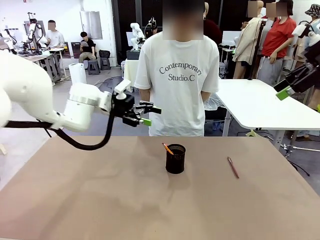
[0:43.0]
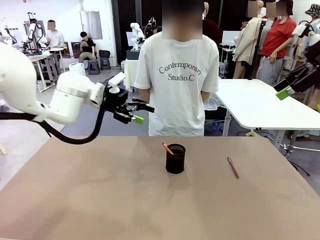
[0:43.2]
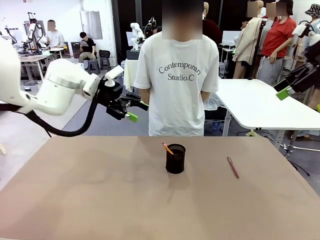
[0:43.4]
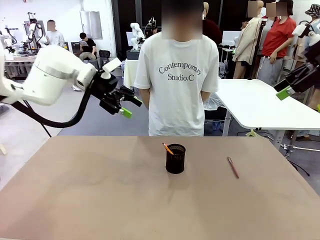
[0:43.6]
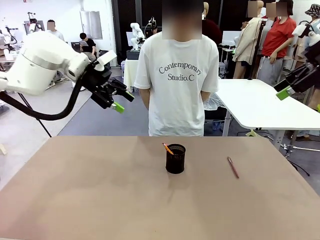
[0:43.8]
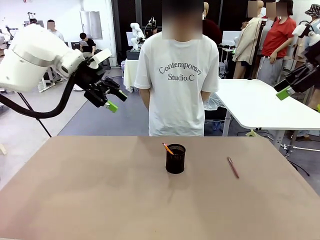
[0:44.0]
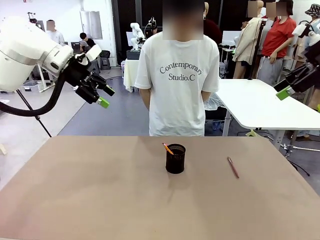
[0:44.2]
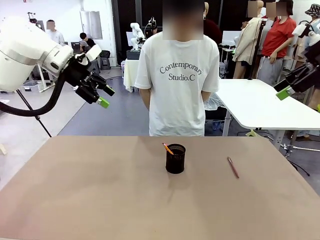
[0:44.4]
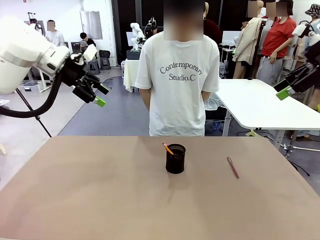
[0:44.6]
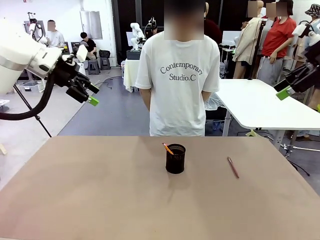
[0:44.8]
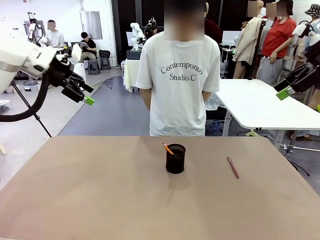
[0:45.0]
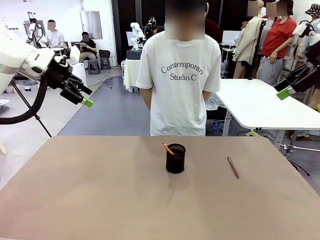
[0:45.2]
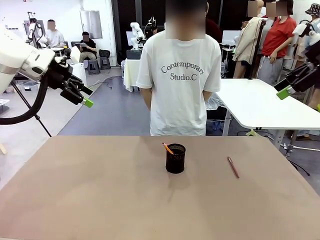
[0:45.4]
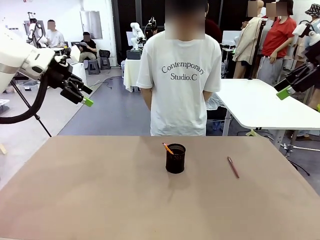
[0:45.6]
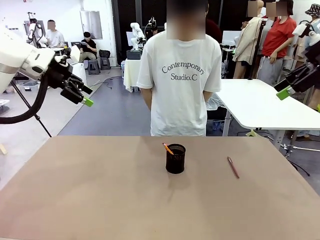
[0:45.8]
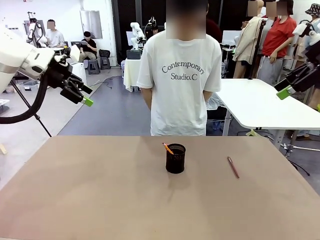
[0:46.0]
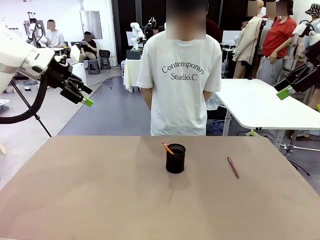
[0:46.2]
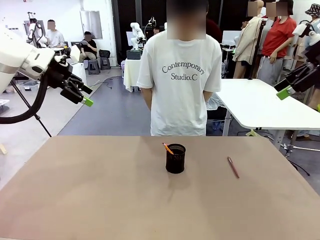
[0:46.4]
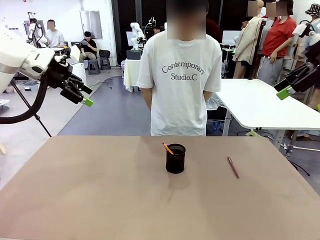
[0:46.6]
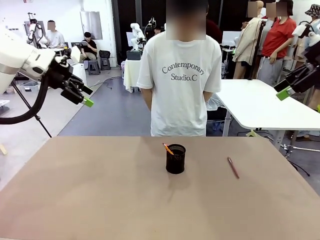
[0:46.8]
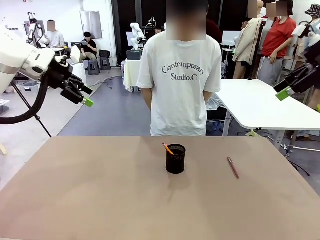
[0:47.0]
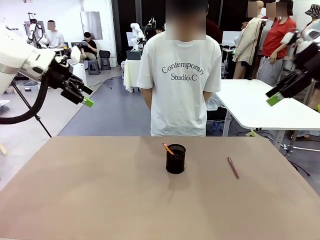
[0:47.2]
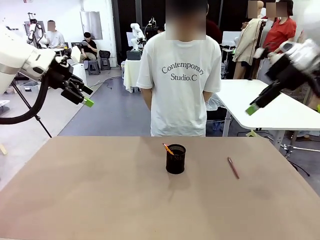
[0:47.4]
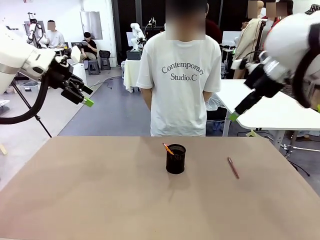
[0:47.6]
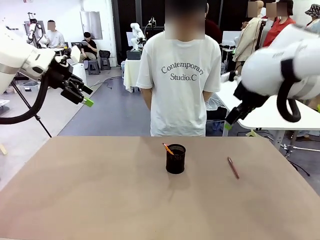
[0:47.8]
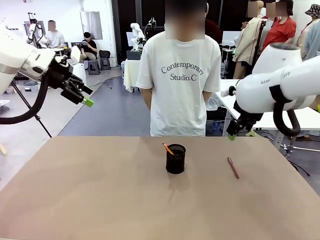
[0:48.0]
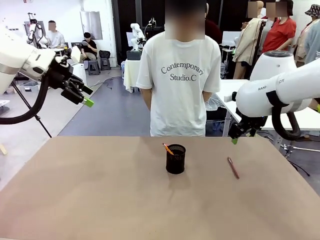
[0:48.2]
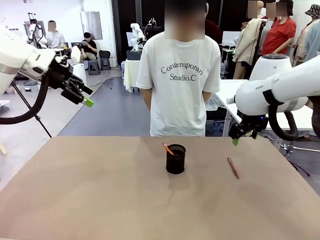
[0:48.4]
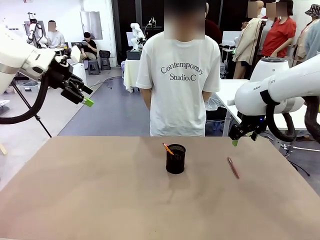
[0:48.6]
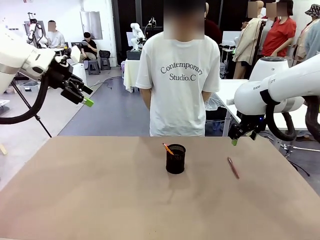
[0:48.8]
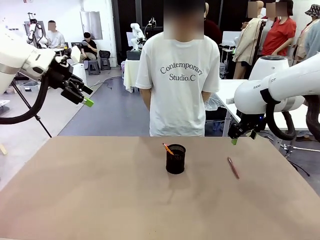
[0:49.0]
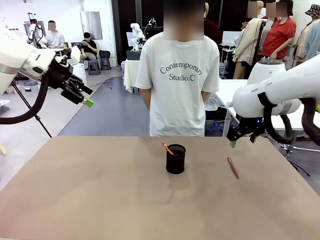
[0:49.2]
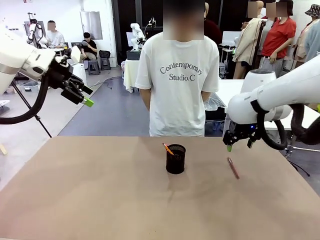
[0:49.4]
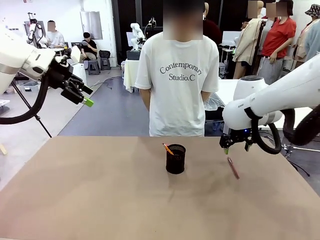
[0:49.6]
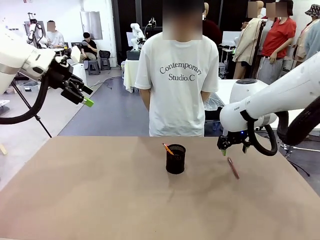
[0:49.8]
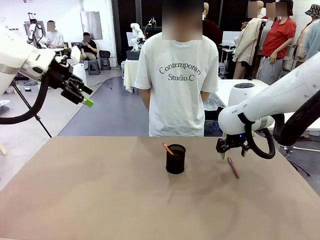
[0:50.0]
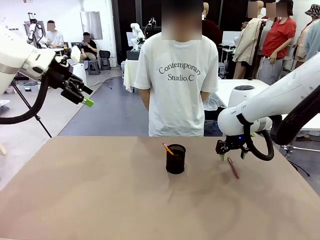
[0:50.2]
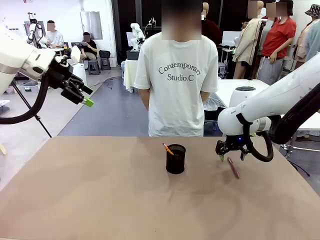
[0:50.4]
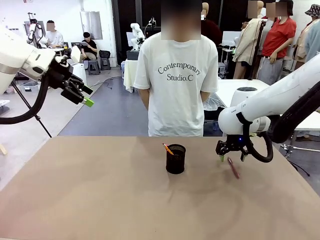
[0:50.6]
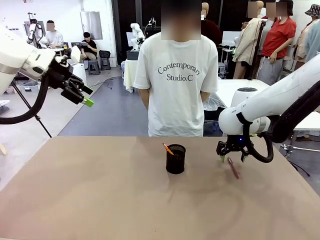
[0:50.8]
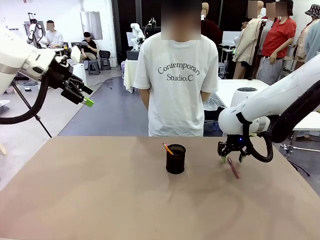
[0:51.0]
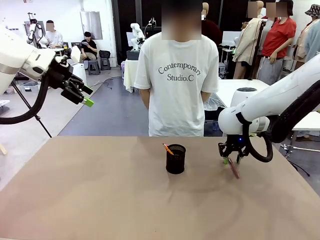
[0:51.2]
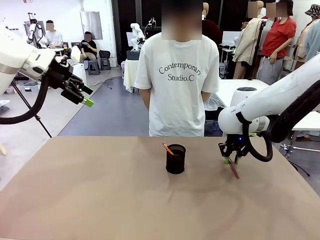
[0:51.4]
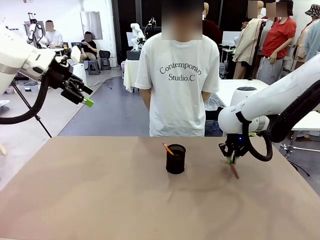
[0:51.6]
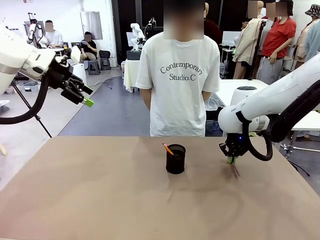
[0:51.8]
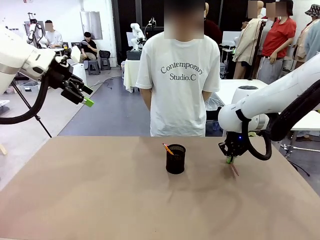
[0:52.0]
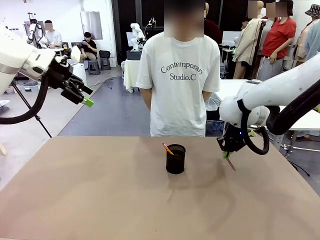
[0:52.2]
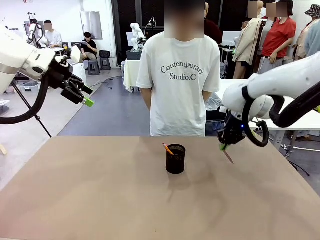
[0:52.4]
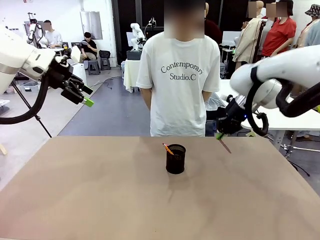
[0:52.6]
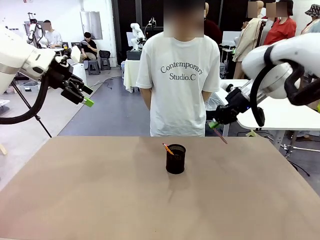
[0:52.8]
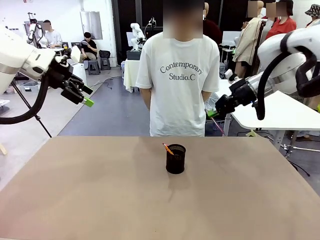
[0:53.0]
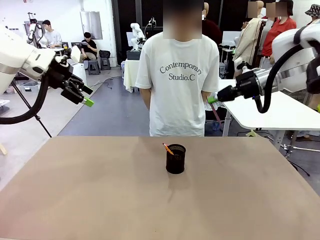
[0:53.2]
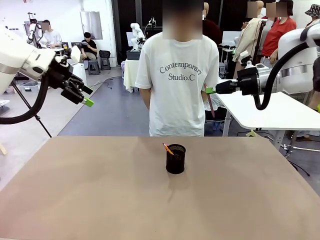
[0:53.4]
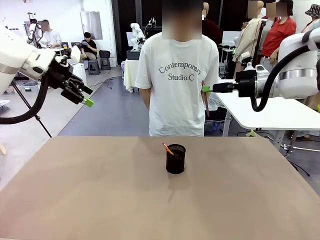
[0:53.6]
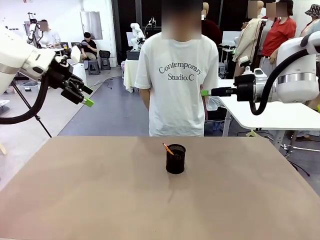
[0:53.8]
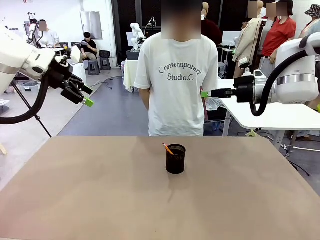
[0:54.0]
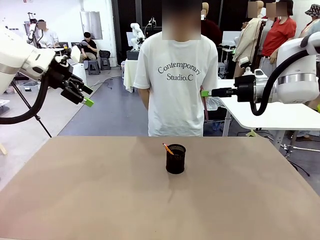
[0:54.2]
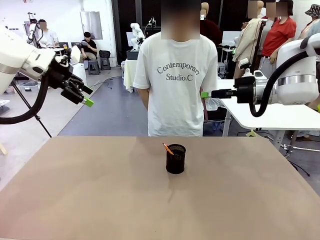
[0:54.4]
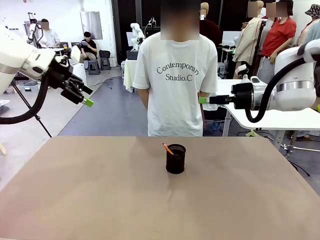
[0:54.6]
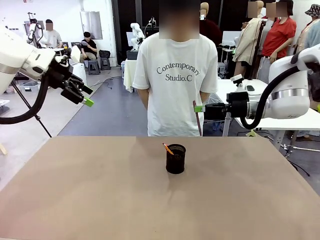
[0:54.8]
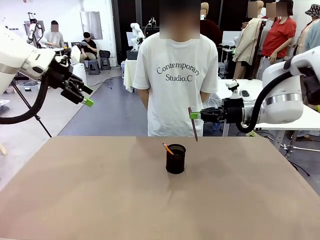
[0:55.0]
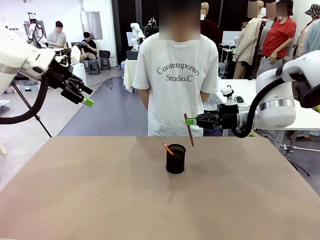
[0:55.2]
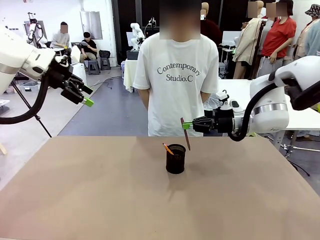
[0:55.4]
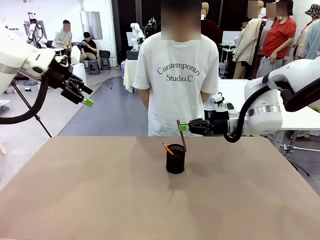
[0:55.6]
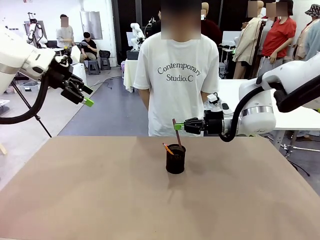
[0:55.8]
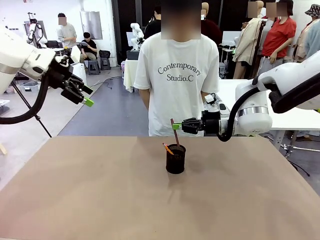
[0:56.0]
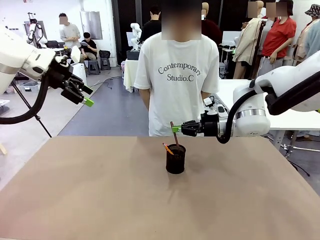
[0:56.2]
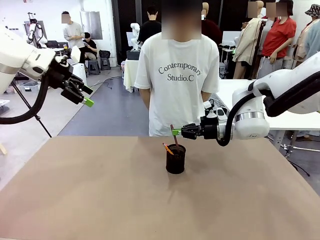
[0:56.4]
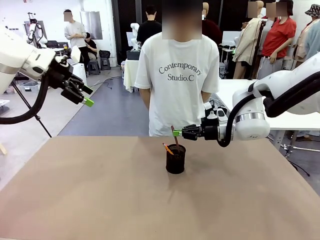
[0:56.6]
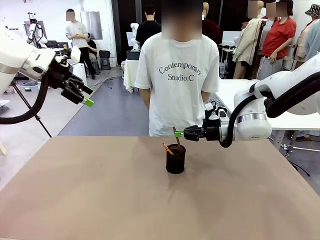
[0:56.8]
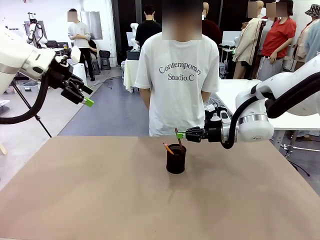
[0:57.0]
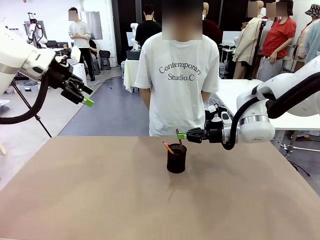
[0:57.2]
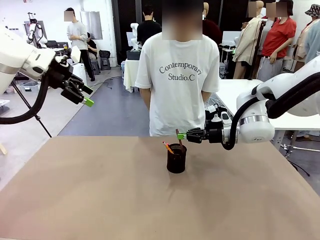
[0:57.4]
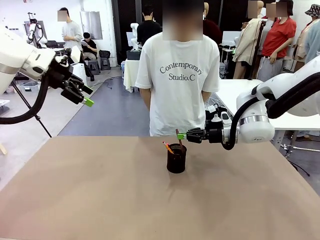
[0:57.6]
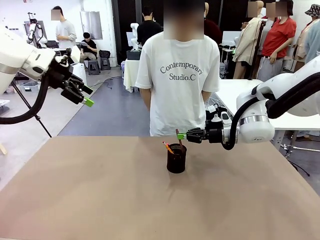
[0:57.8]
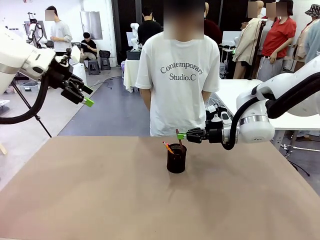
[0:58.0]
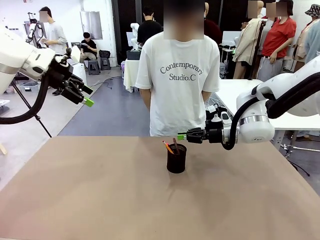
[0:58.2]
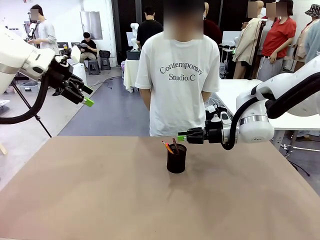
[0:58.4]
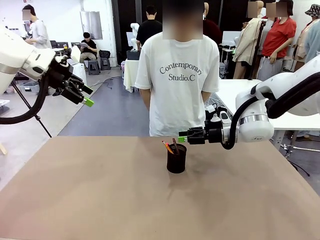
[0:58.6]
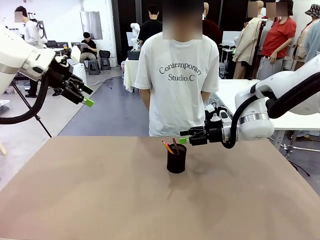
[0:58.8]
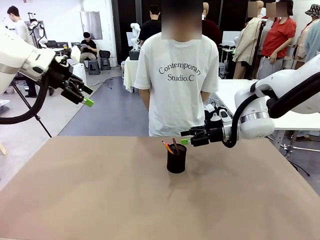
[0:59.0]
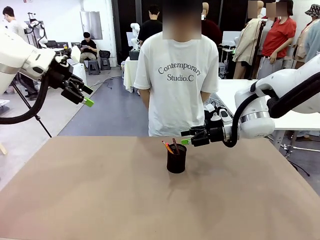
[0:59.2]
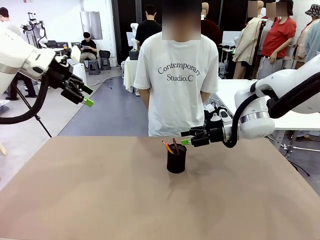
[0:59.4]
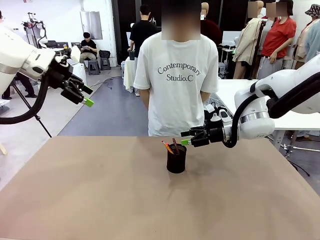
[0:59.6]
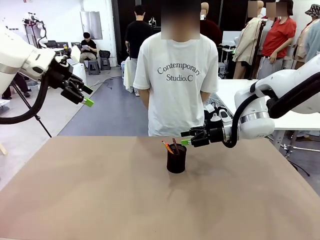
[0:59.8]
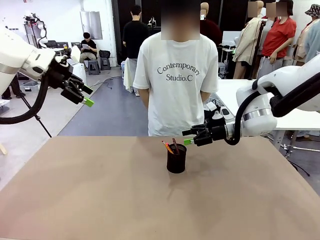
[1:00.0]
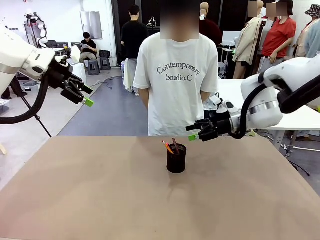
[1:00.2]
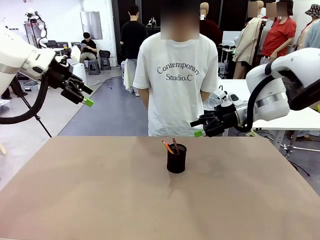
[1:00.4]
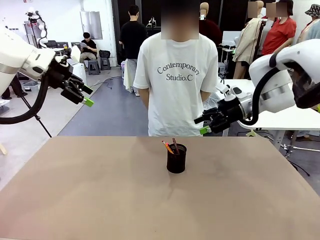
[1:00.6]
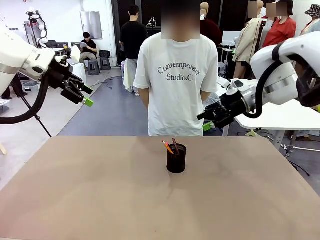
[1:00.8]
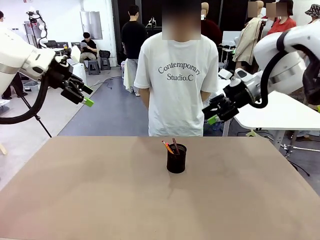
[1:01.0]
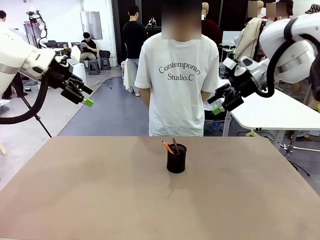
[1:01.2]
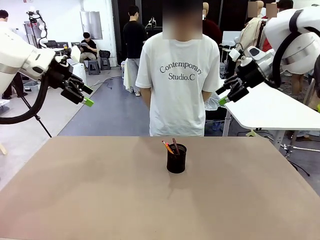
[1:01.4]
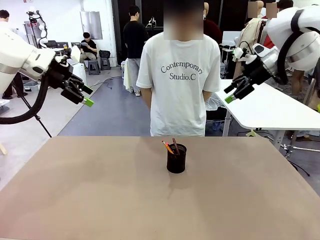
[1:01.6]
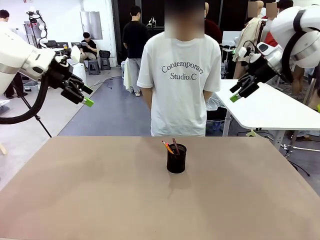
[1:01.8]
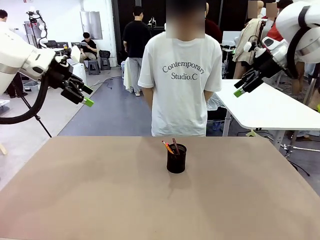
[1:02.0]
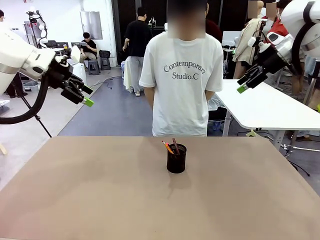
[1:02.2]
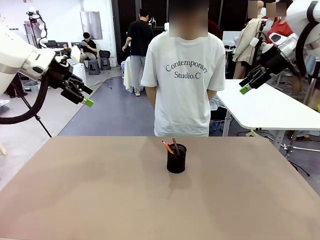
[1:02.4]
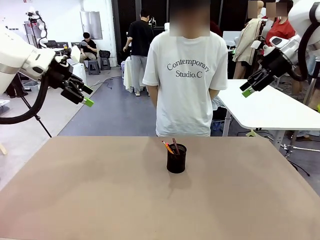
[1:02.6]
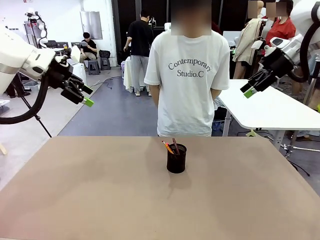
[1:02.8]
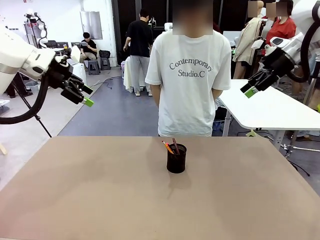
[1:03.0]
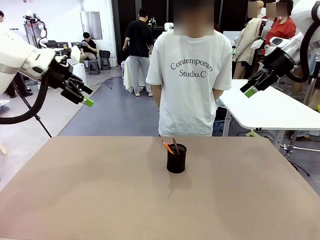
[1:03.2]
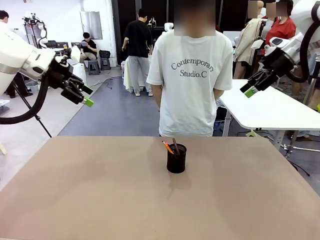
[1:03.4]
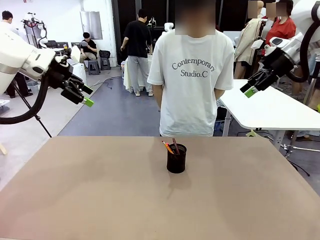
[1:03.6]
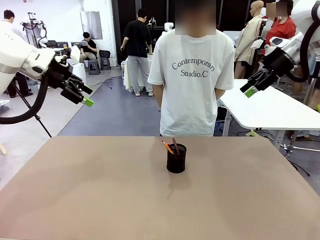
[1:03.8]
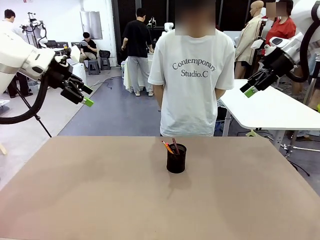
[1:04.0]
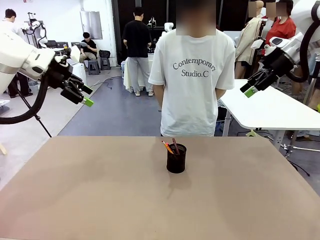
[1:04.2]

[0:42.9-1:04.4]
Task: Place the pens into the pen holder.
Robot: Pick up a writing instrument from the table and place it into the Pen holder.
